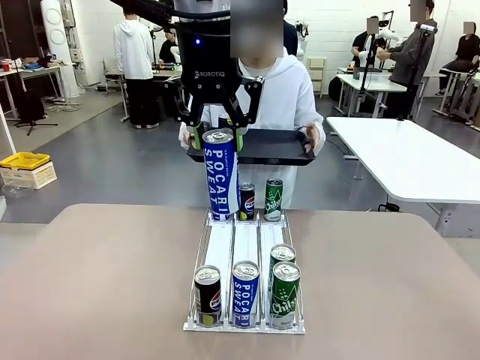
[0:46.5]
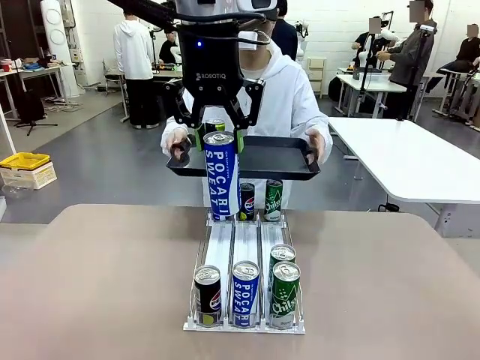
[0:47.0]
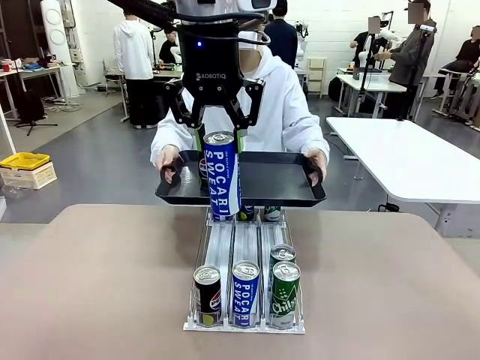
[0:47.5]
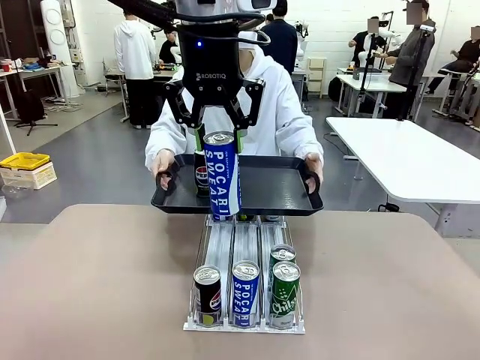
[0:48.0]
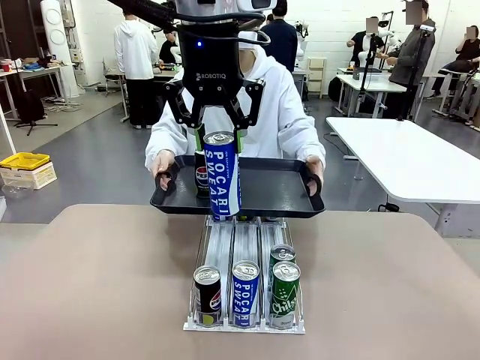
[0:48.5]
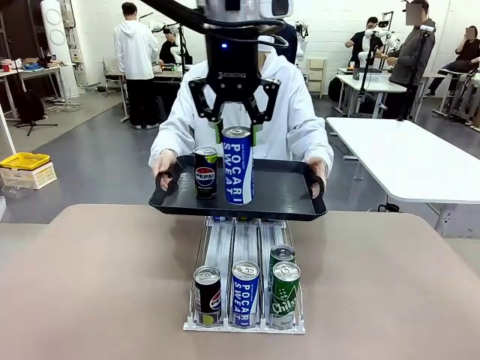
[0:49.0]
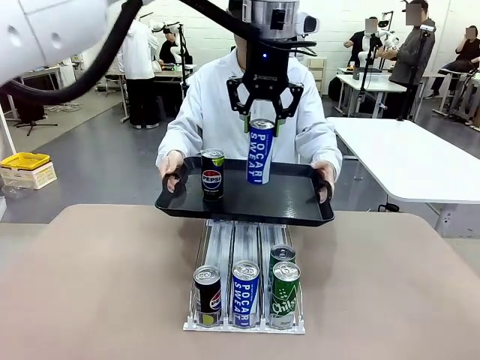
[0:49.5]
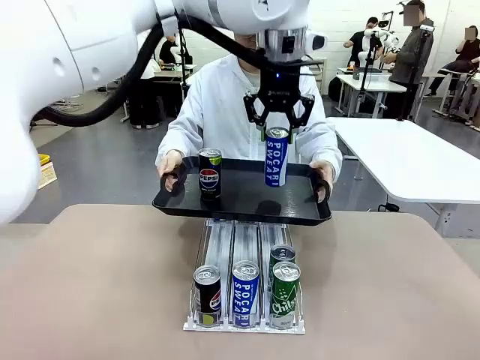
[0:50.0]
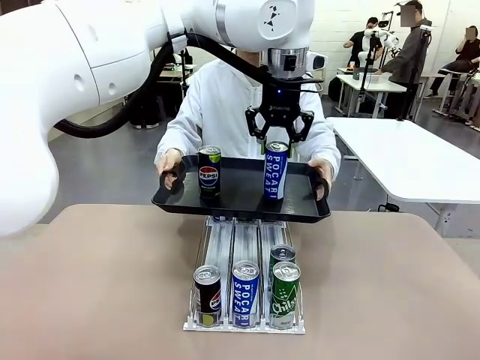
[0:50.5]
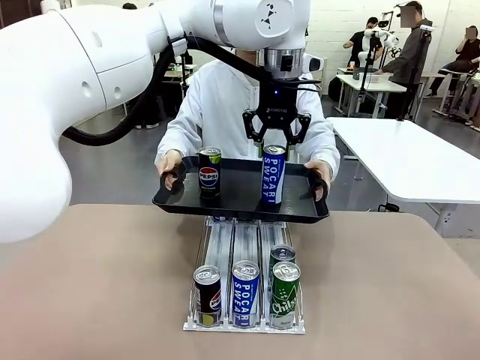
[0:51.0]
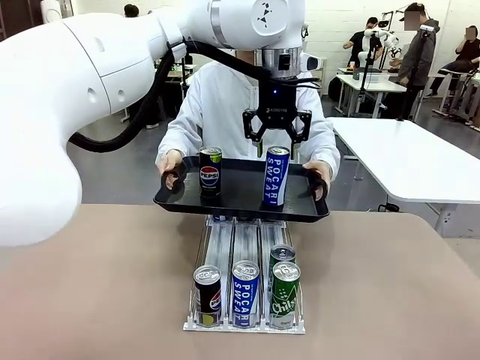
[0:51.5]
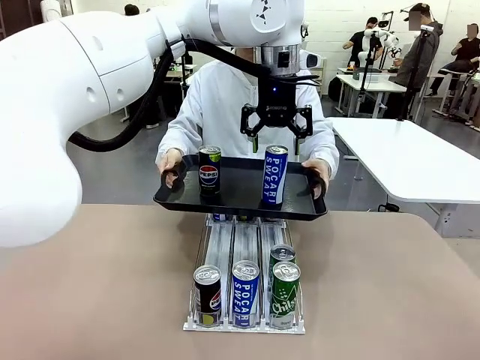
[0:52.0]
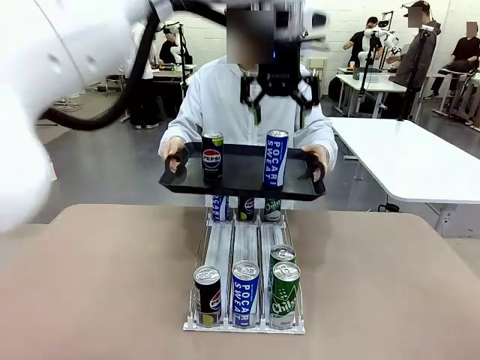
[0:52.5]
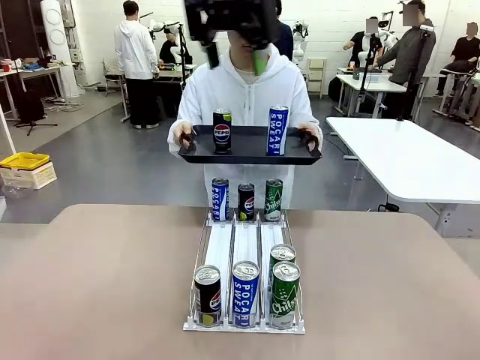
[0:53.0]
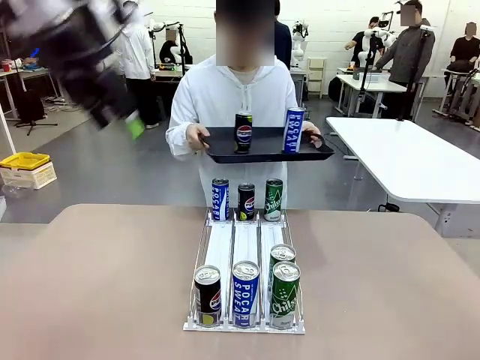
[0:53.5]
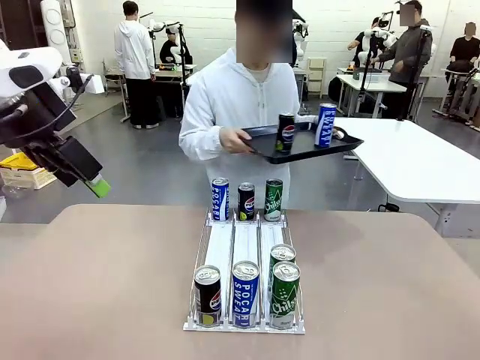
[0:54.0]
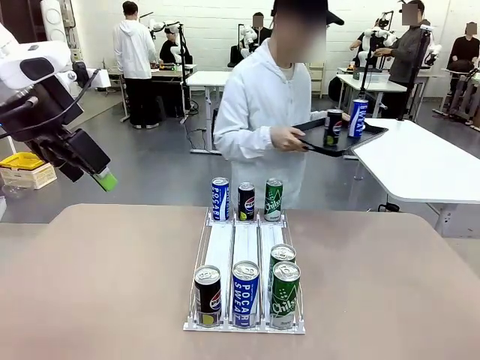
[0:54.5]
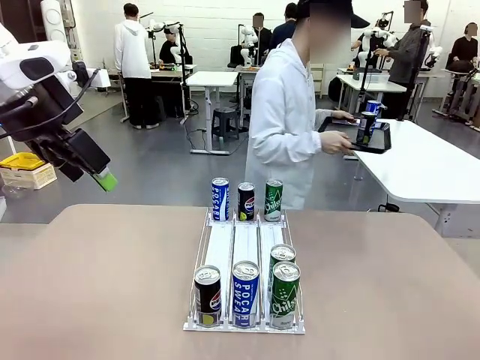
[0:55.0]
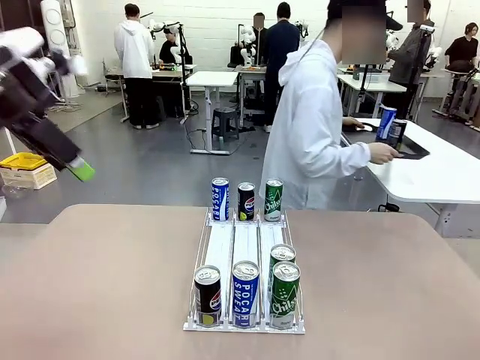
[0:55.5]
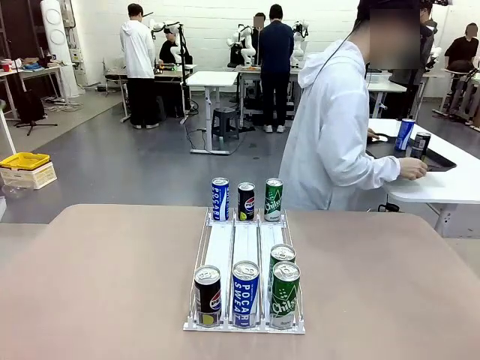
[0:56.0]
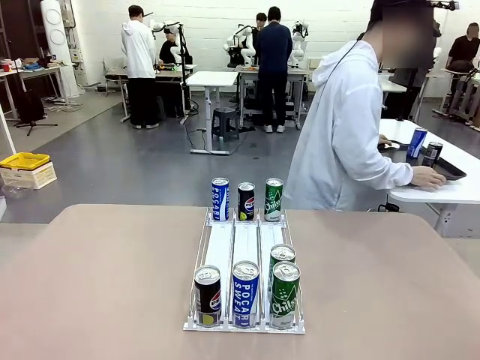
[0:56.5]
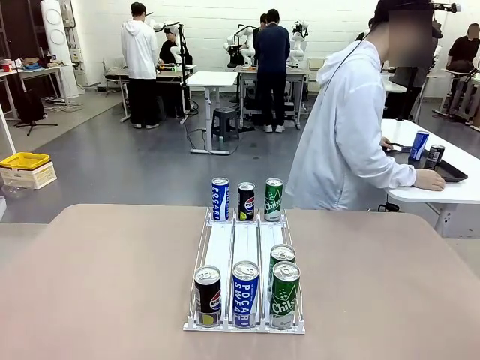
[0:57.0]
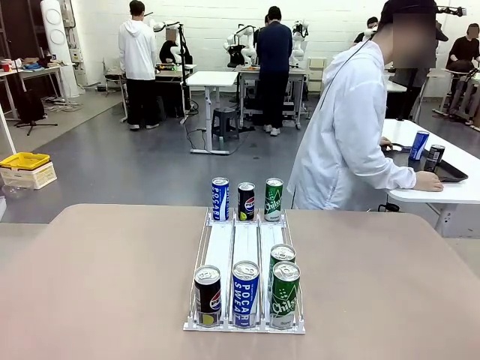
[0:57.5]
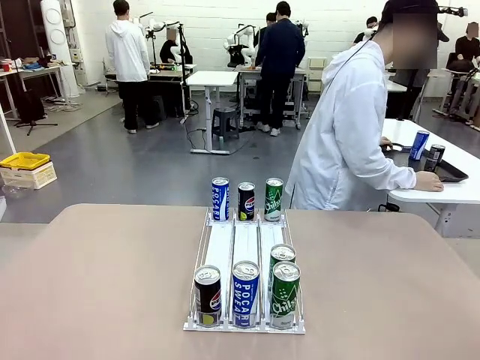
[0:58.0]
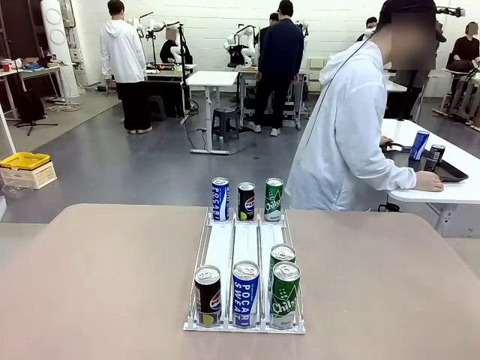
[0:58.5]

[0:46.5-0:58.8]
Task: Retrieve and hand over the desired beverage to the person.
Robot: Place the picked can on the Handle tray extended by the person.
Person: Pull the tray back and place it at the center of the human table.

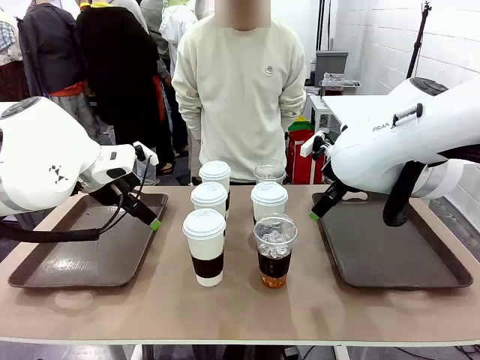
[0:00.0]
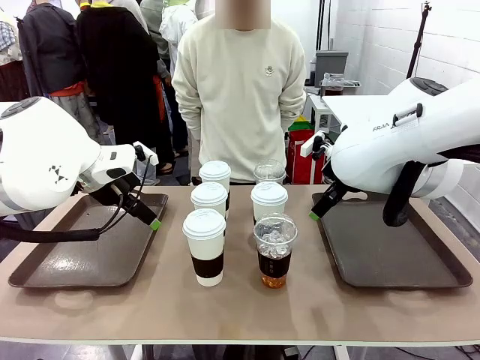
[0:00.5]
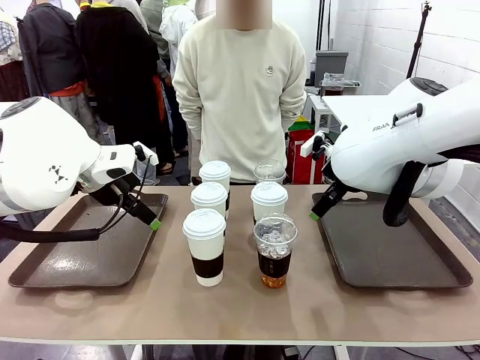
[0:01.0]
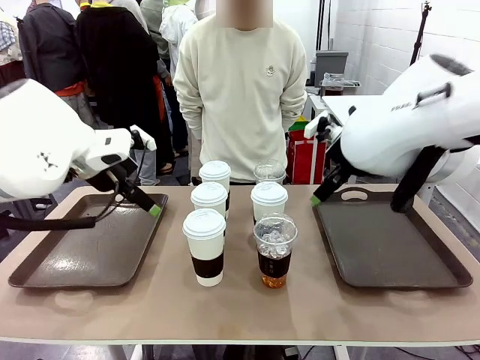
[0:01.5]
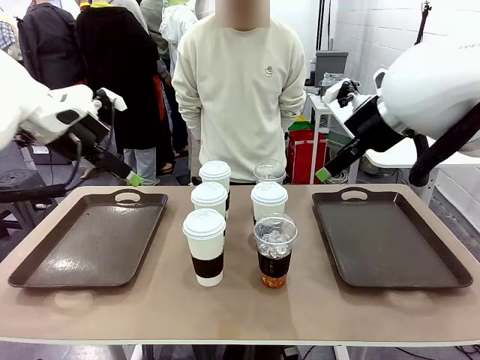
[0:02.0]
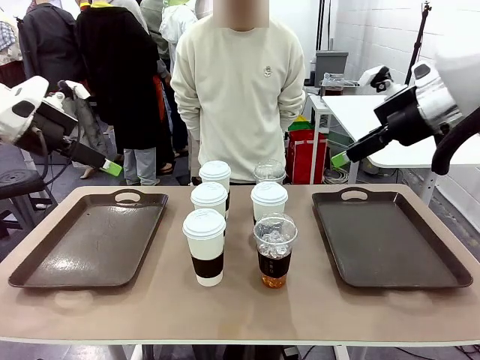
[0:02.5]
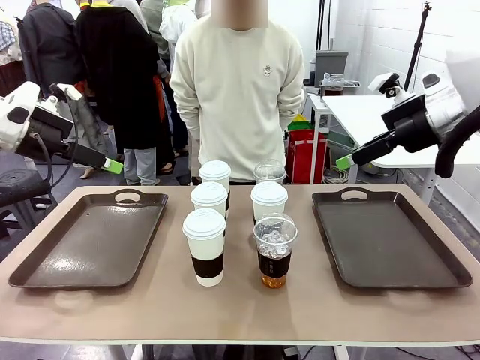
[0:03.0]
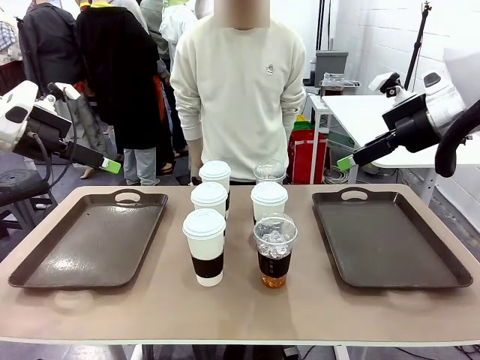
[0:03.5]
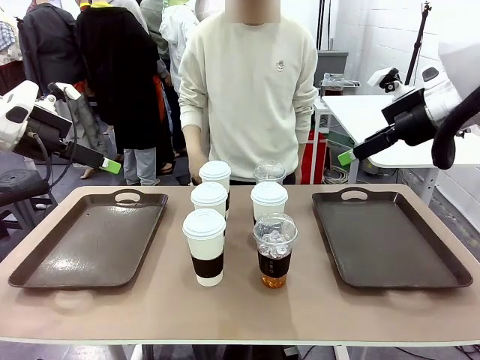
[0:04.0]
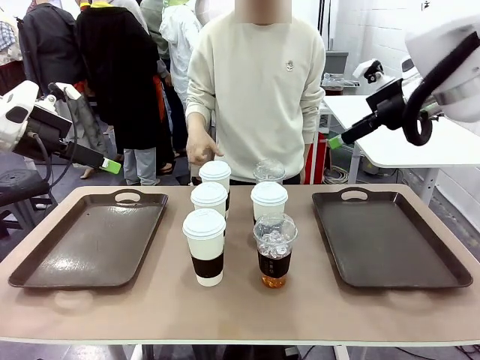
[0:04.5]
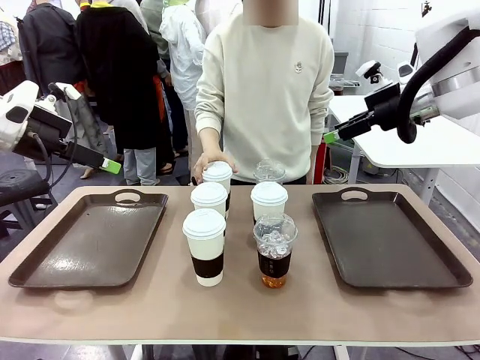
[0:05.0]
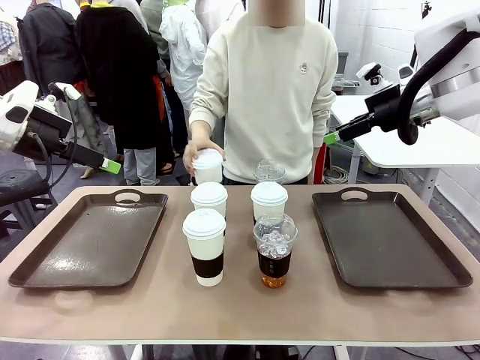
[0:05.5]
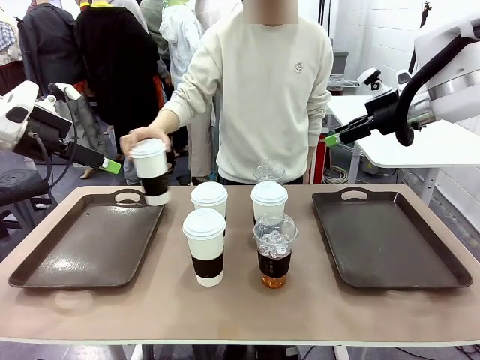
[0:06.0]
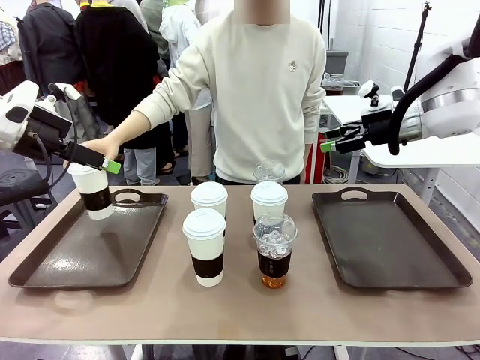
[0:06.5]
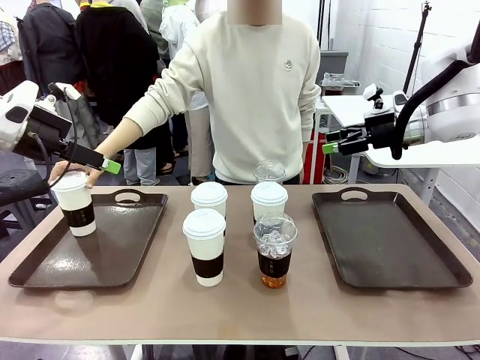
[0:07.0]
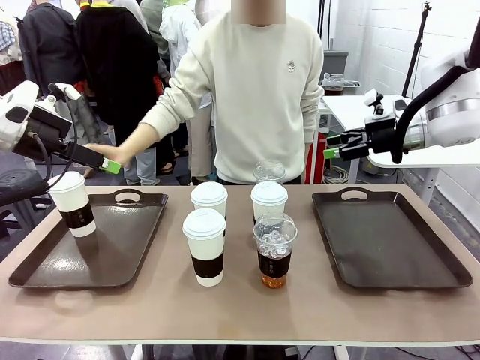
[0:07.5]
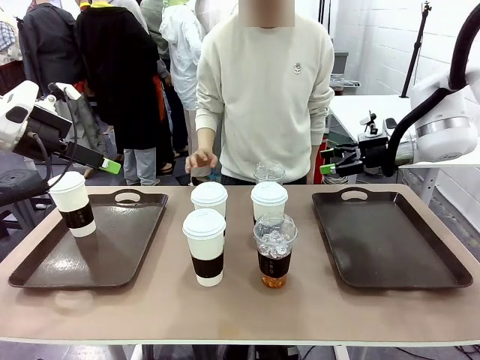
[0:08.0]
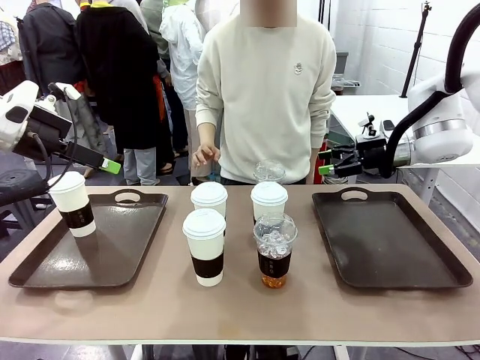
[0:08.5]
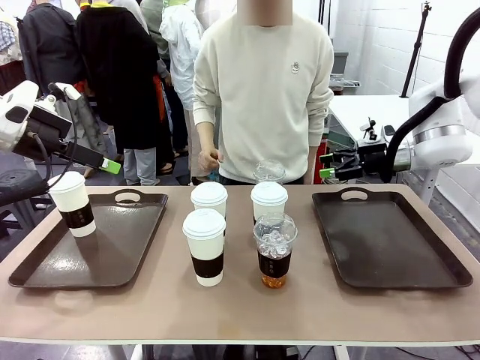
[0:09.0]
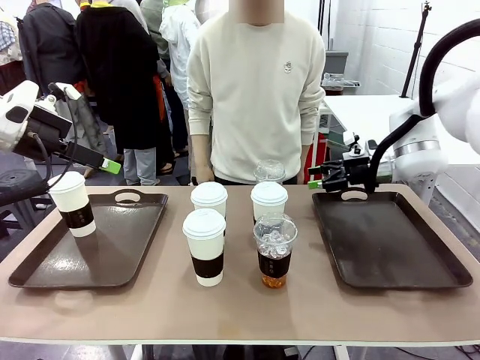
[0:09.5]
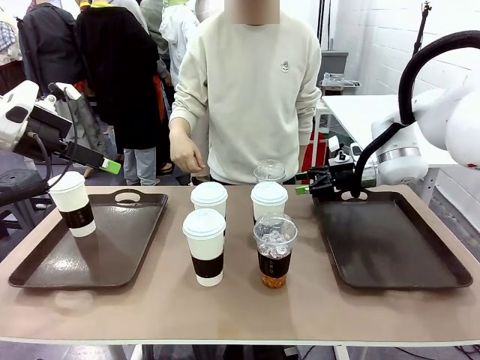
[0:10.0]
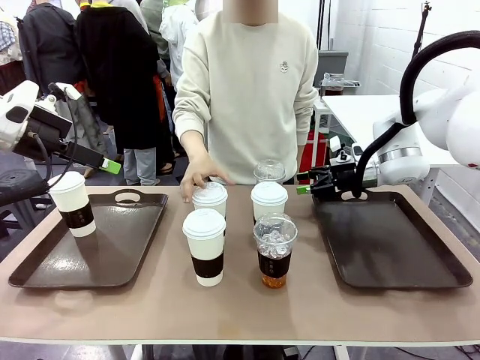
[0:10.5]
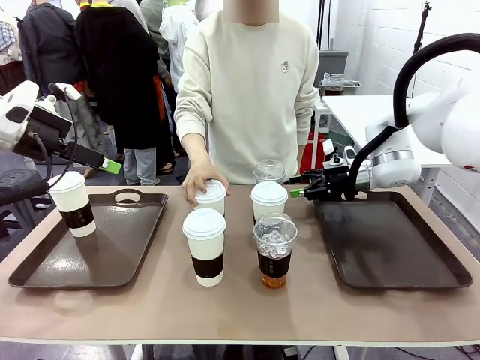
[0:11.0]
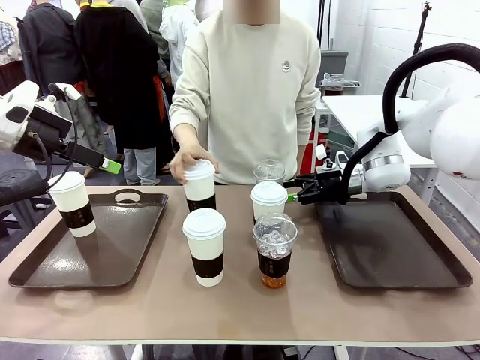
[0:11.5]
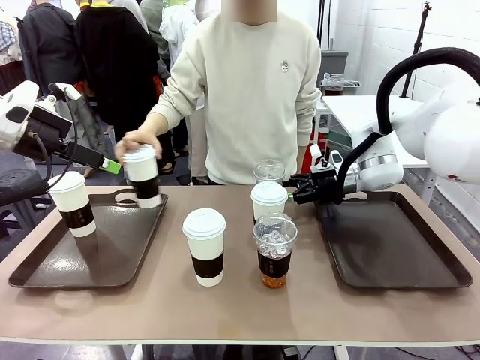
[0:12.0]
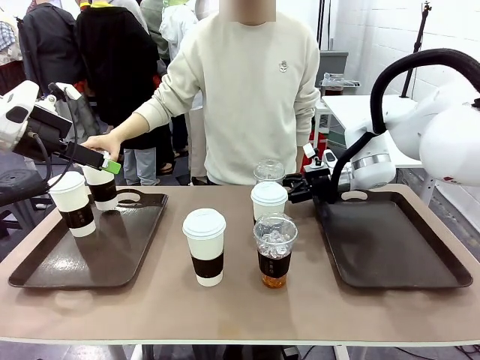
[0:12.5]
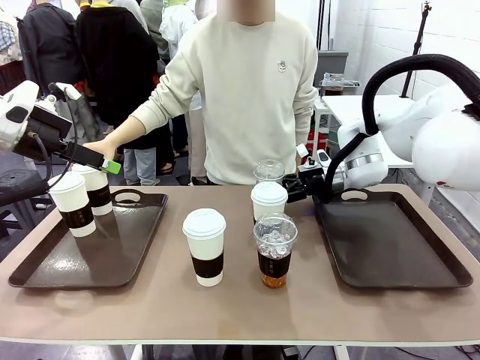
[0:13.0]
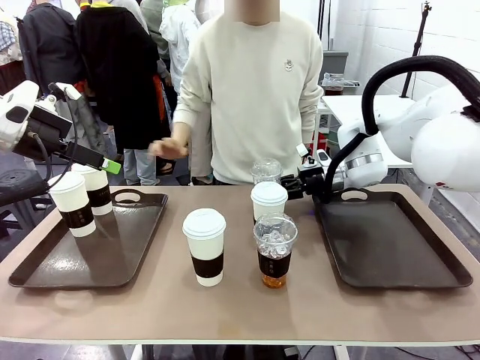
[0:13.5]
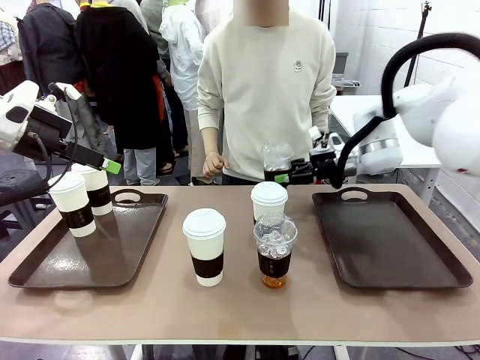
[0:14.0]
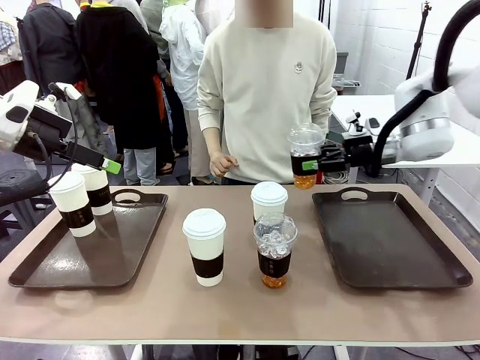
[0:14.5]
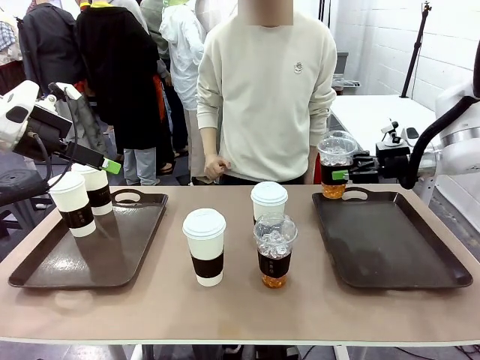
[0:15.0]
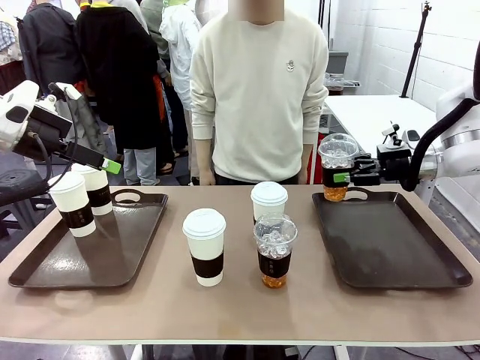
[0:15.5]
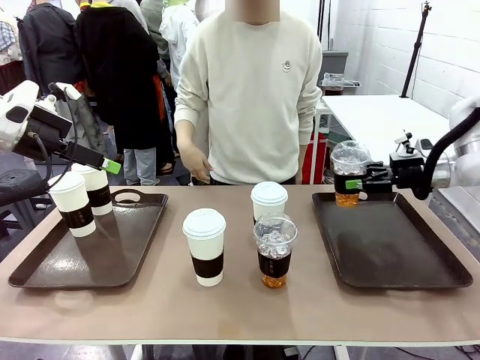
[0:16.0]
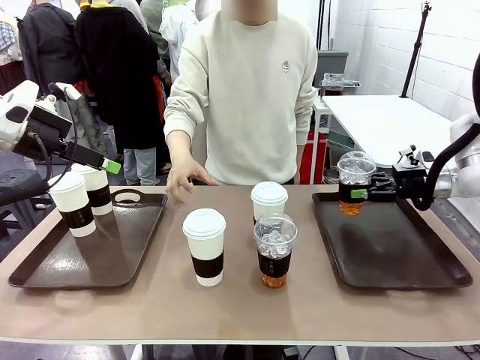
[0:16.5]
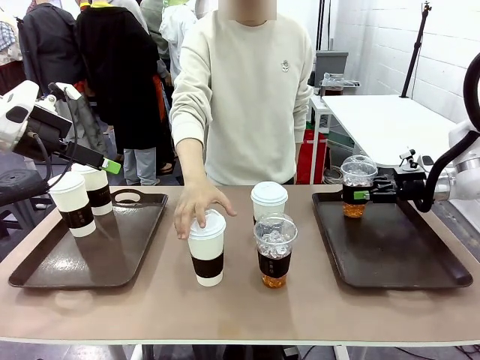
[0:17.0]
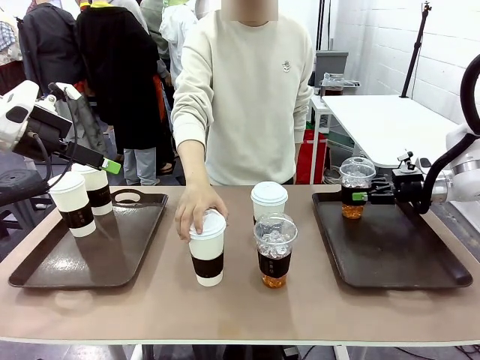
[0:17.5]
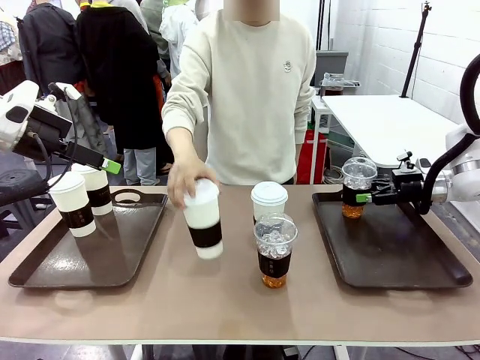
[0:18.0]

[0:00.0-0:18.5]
Task: Distribute the coffee onto the tray.
Robot: Pick up one iced Americano and place it on the right Handle tray.
Person: Pick up a cup of hot Americano and place it on the right tray.
